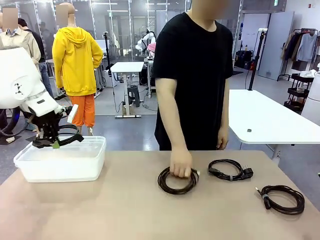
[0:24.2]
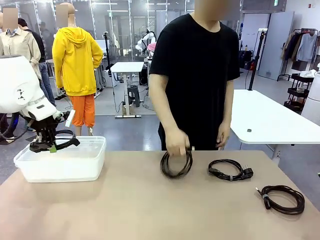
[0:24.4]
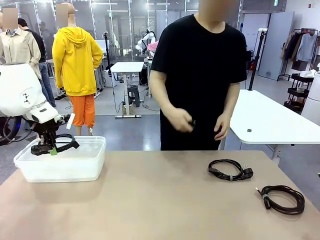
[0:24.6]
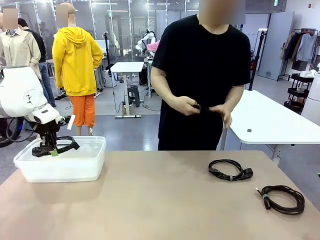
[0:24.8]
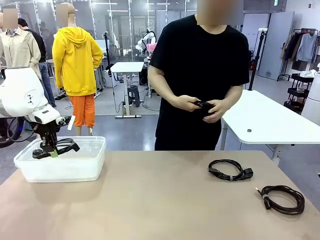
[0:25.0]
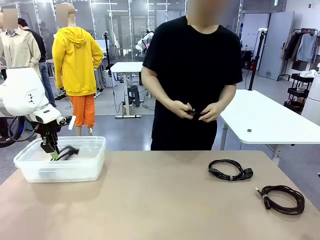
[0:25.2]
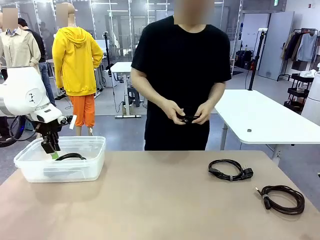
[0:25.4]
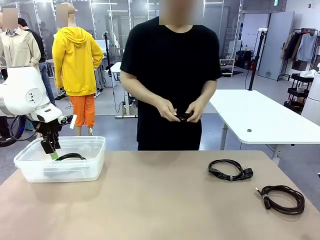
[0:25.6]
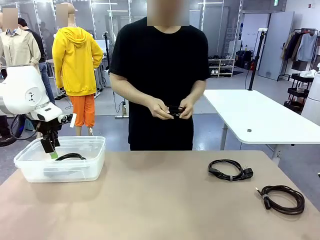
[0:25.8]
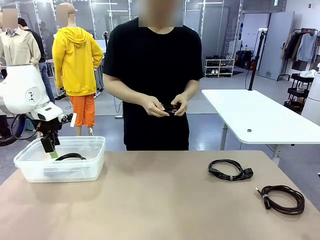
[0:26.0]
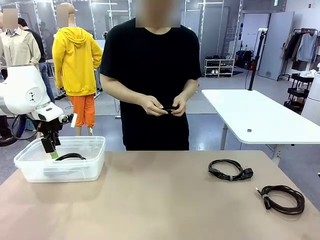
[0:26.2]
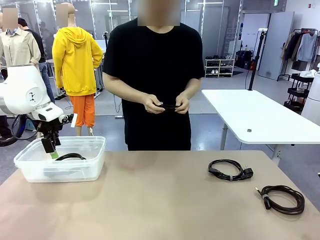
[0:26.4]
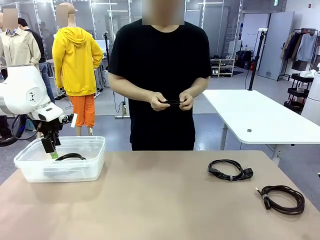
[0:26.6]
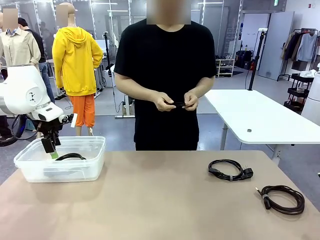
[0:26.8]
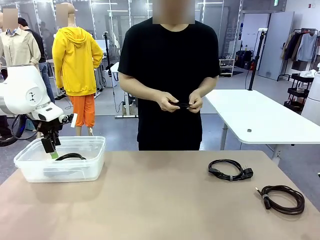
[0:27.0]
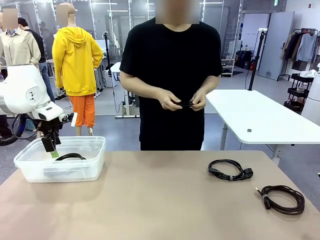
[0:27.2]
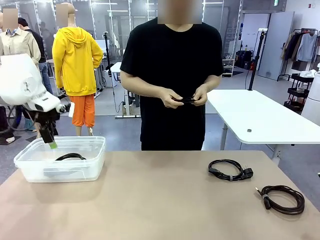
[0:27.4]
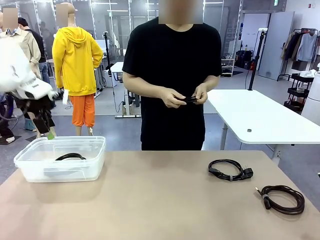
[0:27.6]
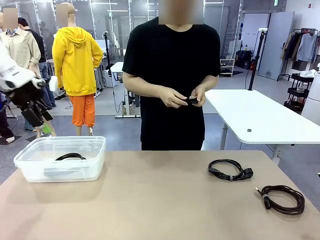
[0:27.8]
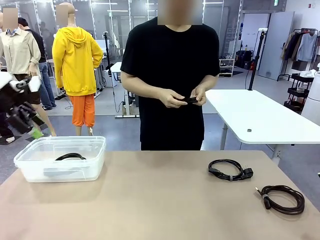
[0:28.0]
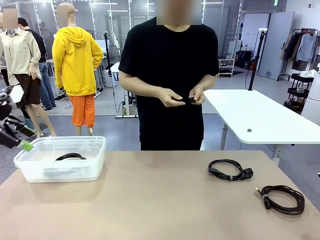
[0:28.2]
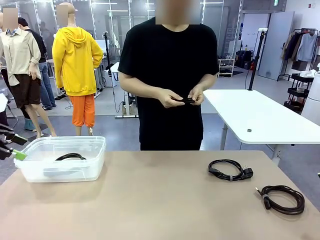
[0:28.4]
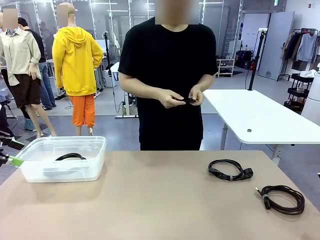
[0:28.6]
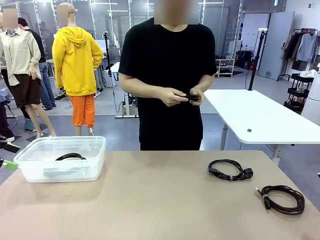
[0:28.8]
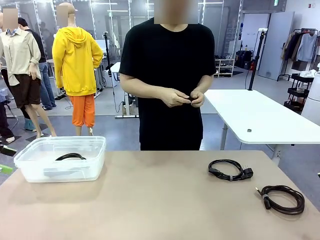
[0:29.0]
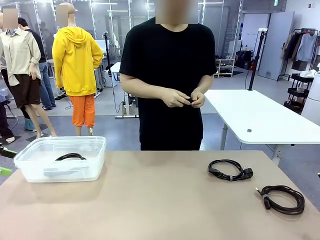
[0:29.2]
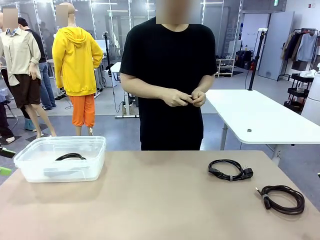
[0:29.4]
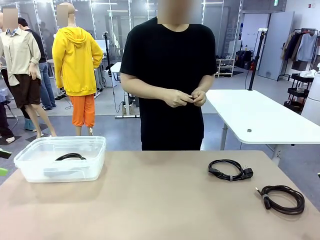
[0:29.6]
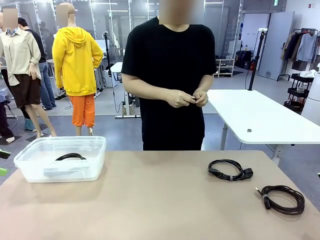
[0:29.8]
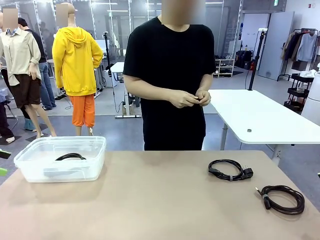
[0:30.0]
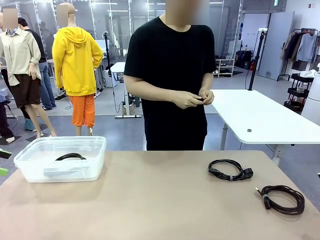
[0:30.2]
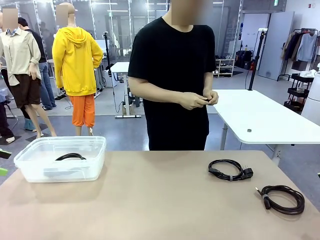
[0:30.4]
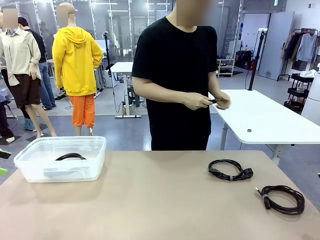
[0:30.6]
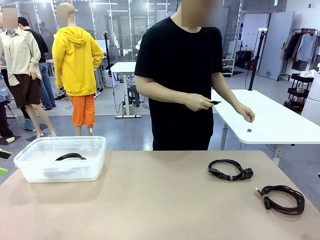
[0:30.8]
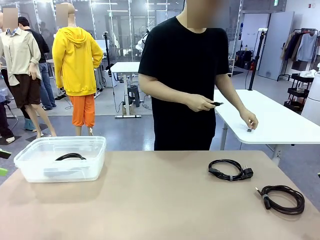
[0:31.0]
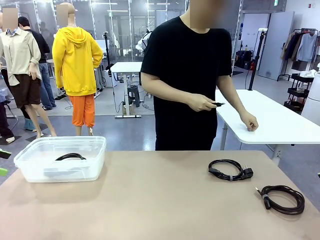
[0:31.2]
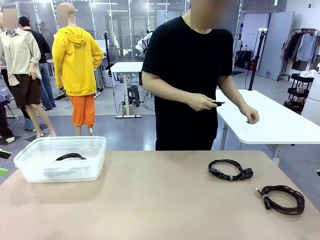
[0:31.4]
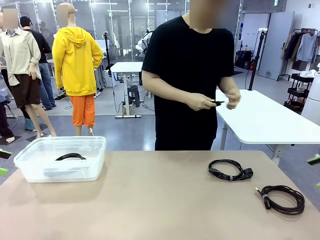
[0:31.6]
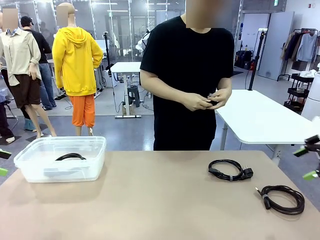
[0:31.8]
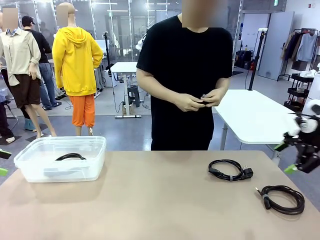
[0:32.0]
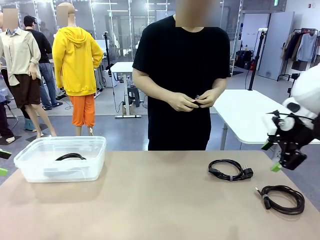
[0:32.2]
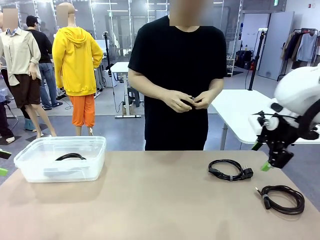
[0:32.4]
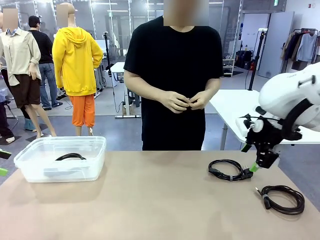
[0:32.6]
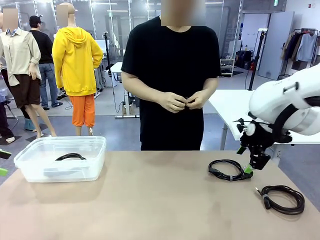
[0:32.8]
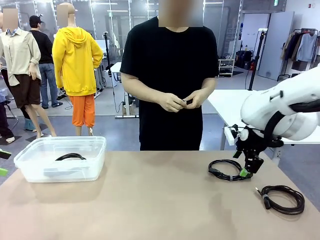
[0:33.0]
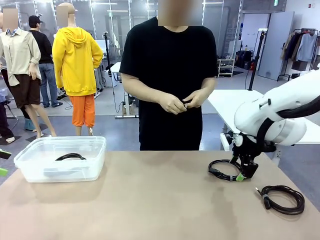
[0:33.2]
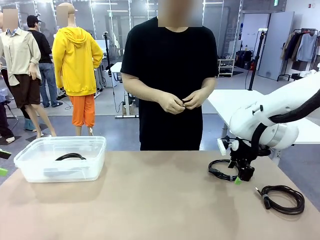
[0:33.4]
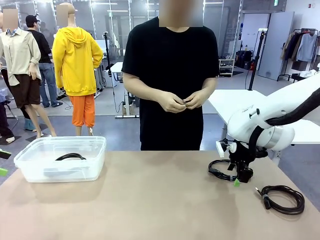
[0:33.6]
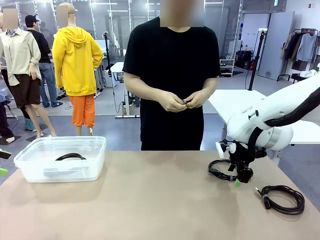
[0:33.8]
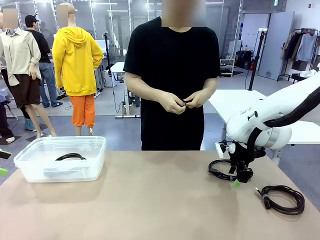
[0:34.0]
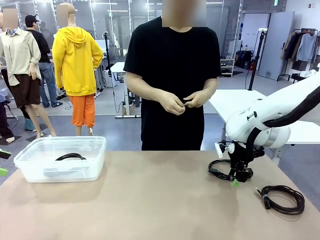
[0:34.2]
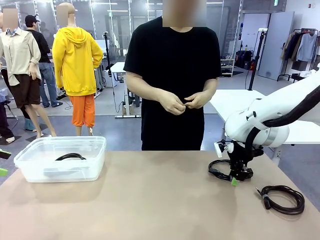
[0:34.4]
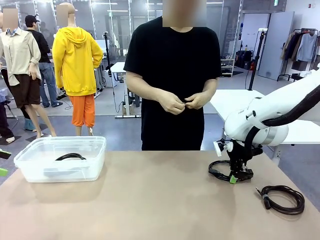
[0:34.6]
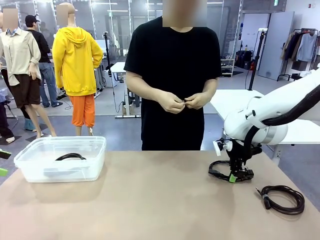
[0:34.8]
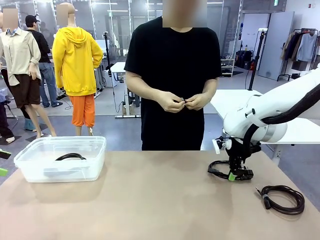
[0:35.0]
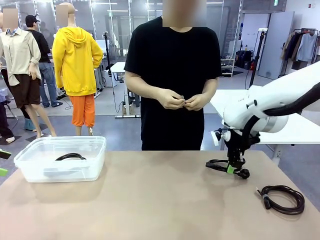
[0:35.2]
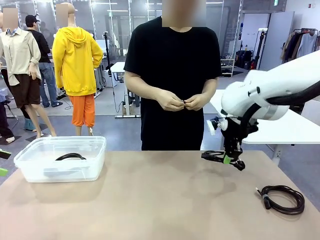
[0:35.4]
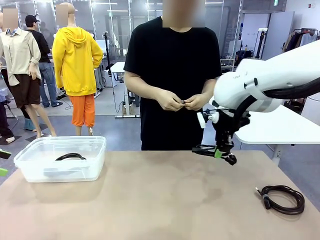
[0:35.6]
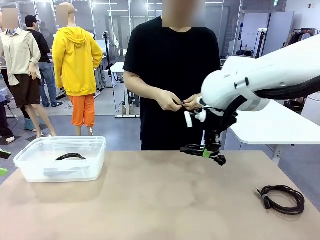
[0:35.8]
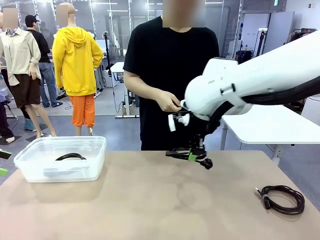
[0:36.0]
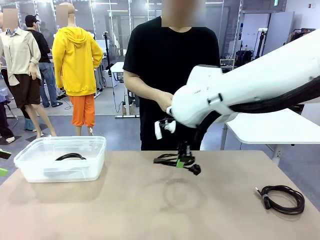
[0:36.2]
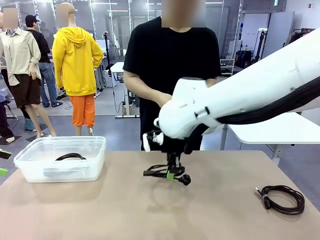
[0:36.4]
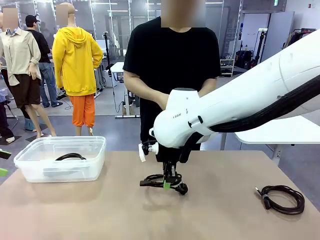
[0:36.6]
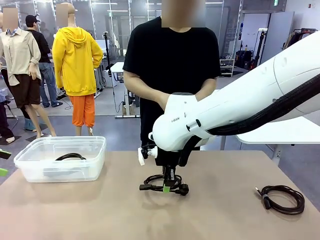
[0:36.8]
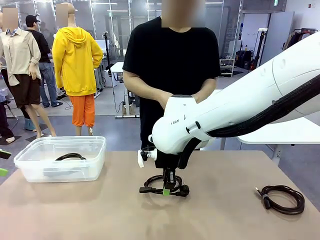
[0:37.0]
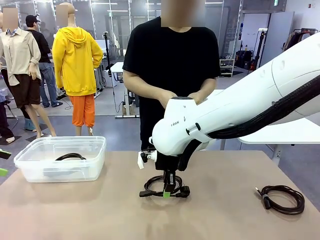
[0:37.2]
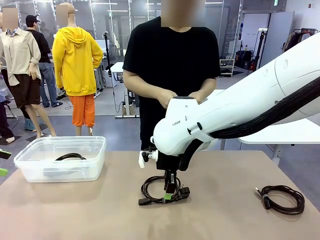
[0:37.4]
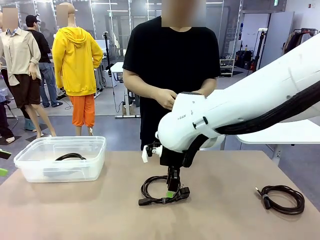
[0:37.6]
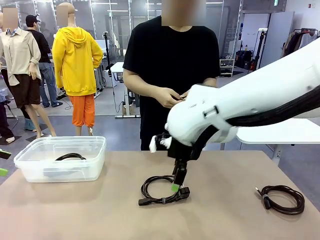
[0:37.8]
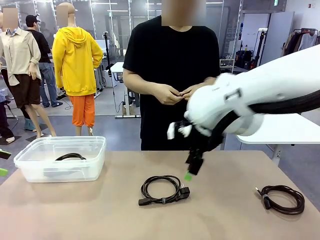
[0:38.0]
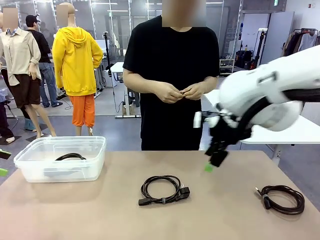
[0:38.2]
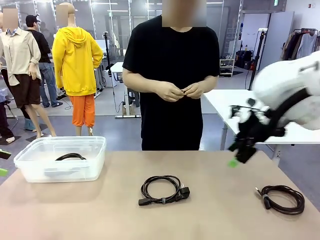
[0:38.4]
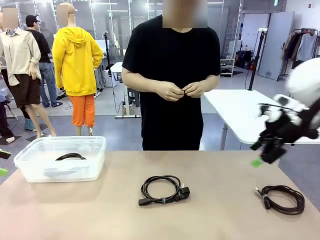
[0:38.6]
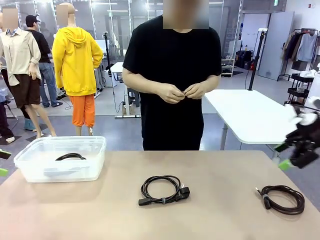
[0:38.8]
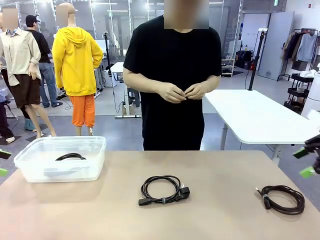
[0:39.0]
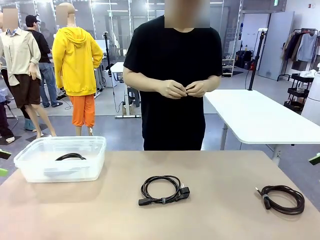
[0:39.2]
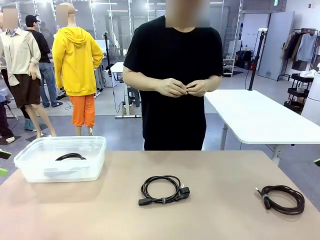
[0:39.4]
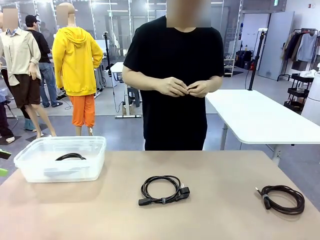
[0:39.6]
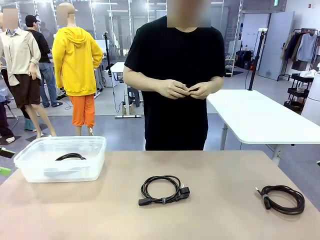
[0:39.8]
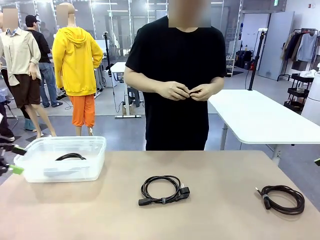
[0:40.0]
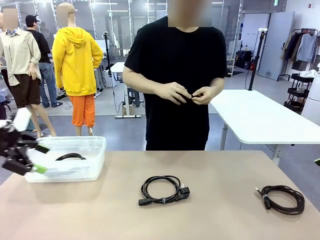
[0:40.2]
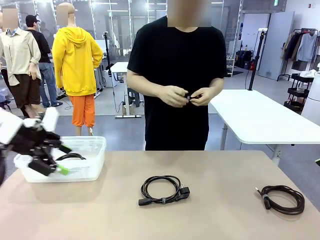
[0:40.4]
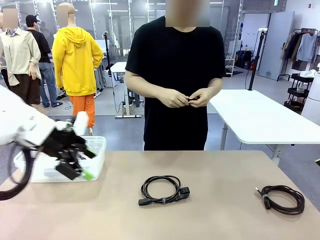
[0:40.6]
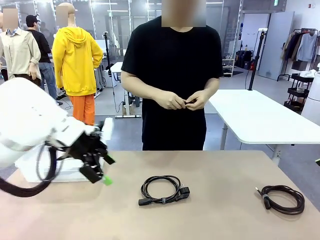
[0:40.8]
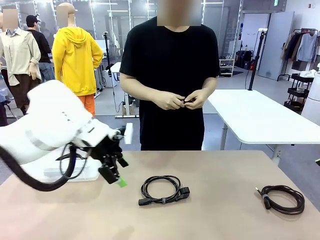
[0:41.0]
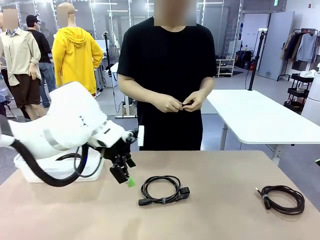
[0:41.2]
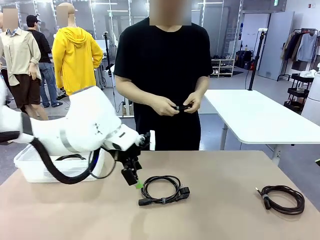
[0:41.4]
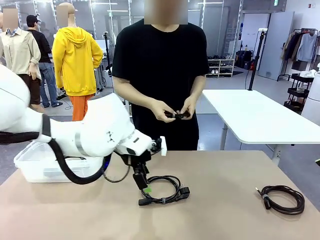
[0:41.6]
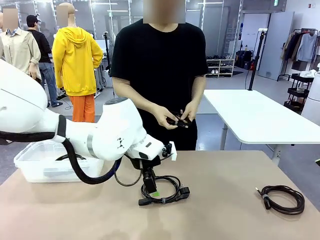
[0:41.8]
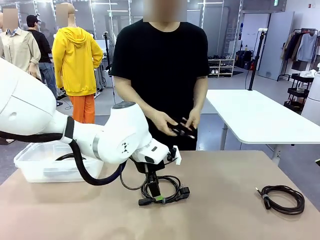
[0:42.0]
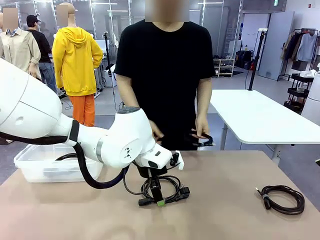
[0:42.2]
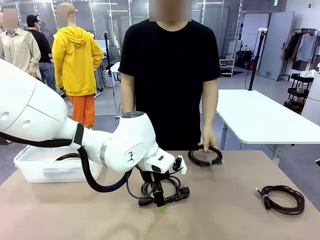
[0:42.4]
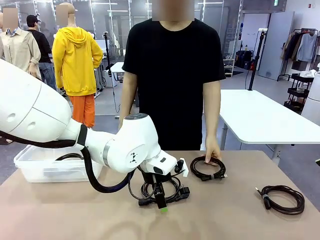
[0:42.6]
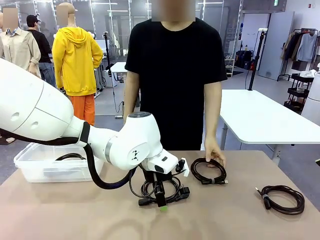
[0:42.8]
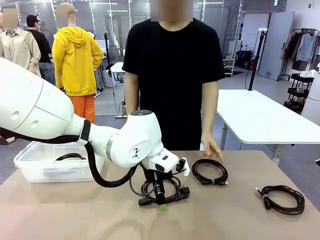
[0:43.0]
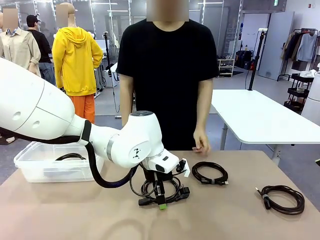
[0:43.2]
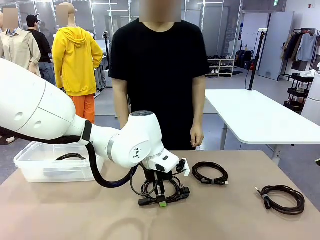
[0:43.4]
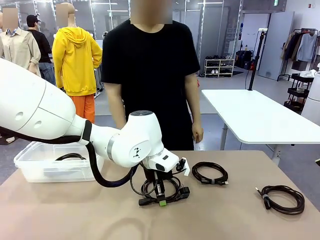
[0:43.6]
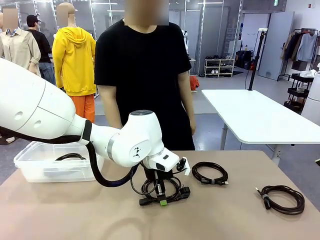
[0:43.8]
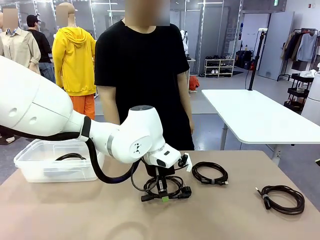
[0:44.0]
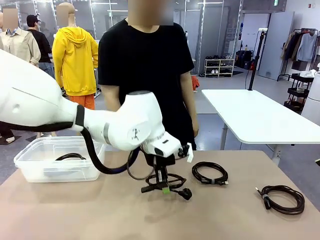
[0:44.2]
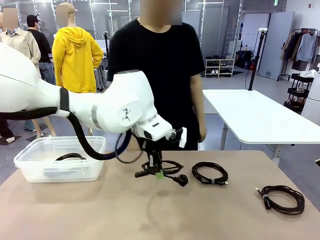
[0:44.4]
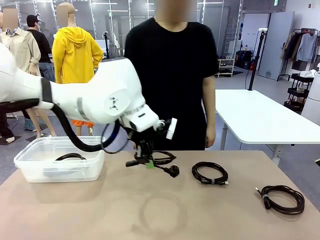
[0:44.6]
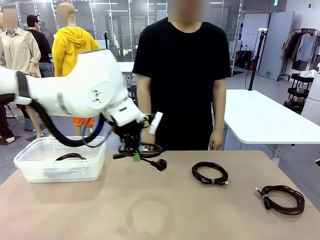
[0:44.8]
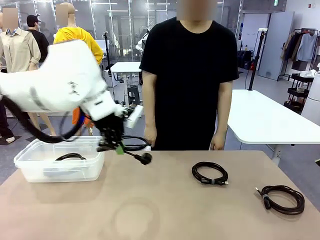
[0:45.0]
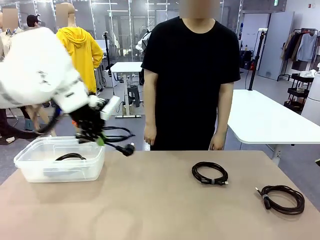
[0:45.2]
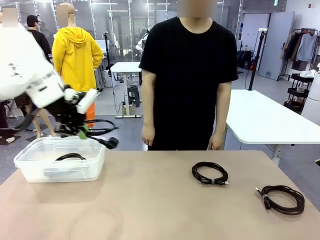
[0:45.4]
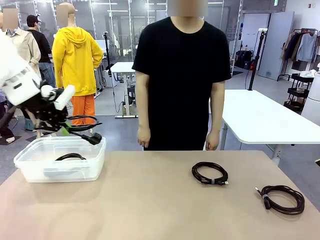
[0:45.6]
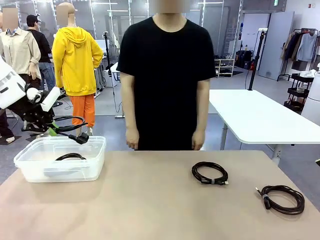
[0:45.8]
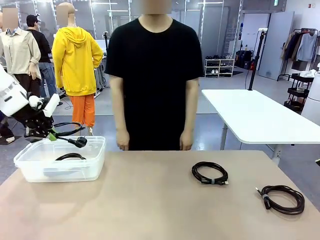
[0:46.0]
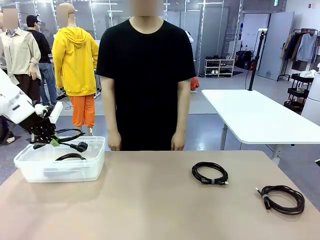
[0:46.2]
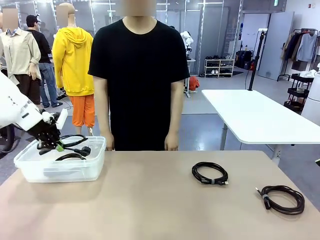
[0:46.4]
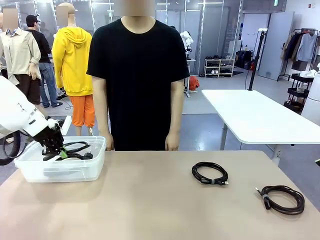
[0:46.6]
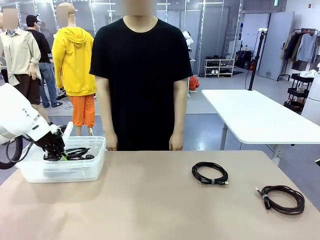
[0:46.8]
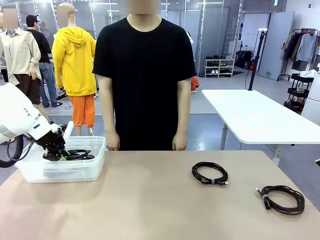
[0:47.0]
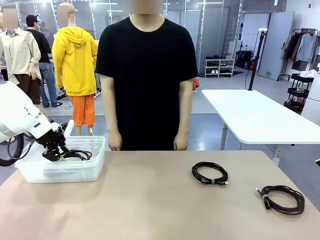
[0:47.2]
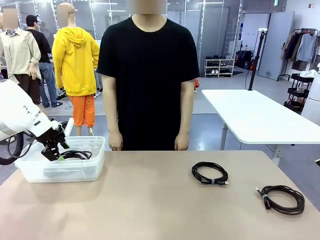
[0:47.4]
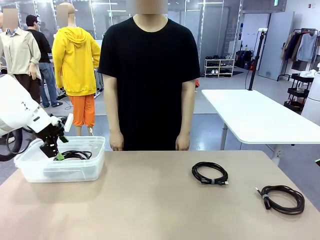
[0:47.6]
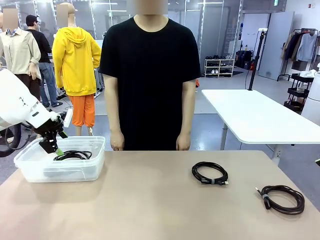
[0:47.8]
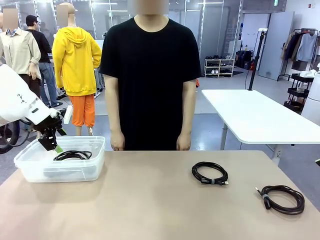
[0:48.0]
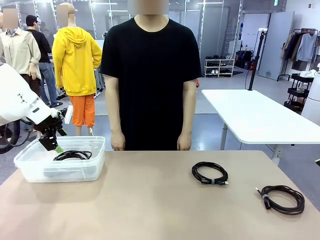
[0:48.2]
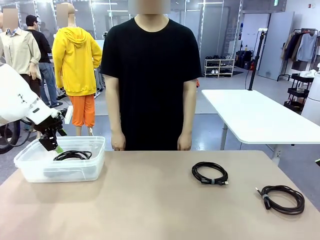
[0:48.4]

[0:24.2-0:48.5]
Task: Organize and store the cables.
Robot: Place the Power Cable into the Organizing box.
